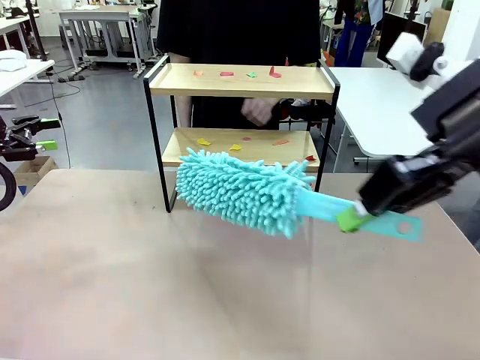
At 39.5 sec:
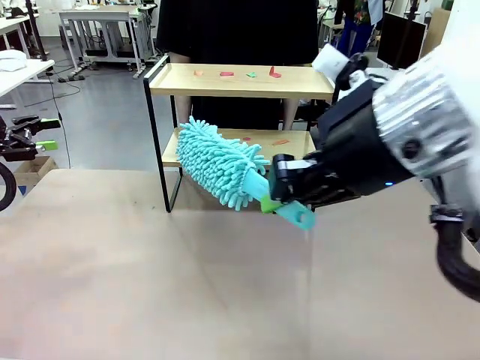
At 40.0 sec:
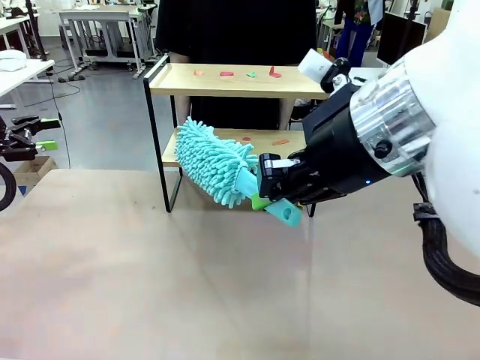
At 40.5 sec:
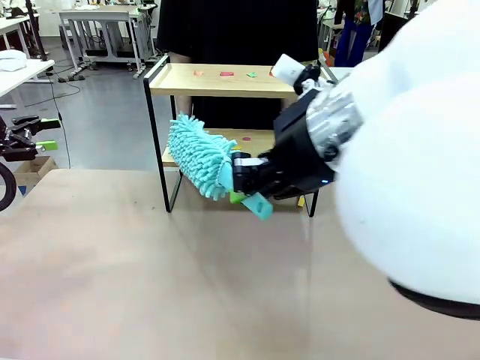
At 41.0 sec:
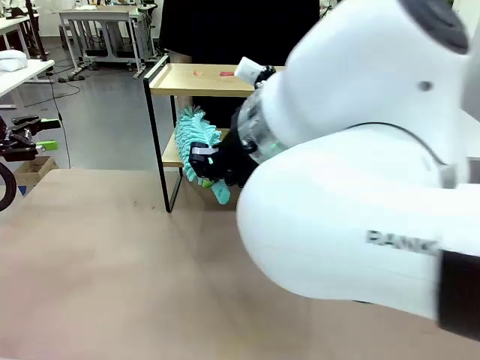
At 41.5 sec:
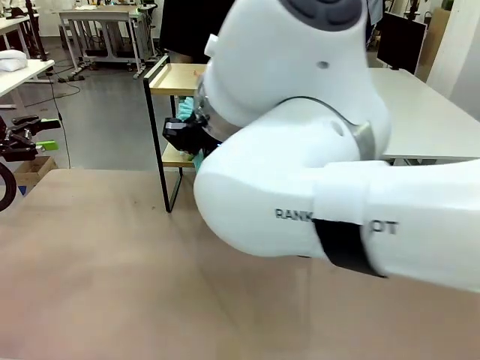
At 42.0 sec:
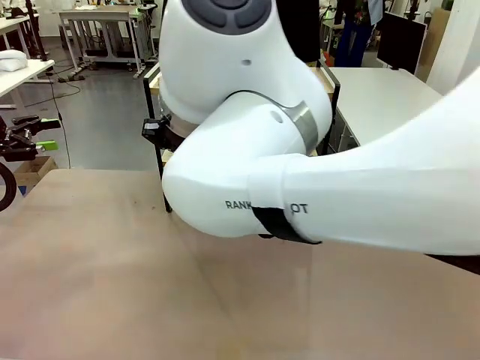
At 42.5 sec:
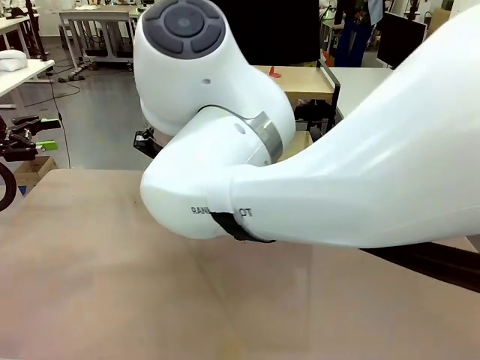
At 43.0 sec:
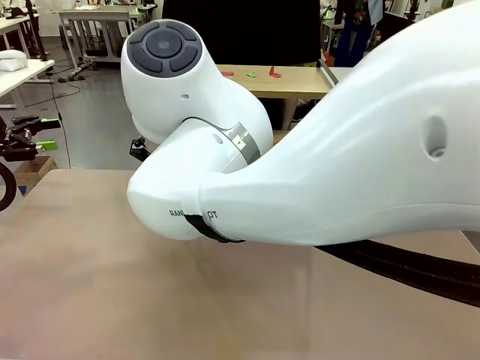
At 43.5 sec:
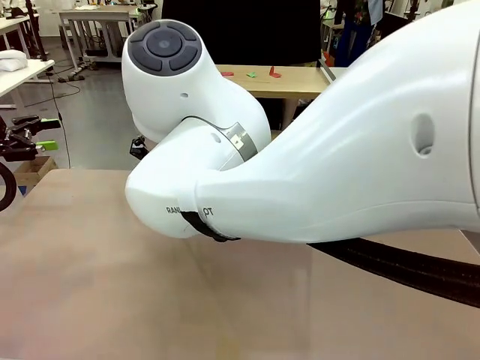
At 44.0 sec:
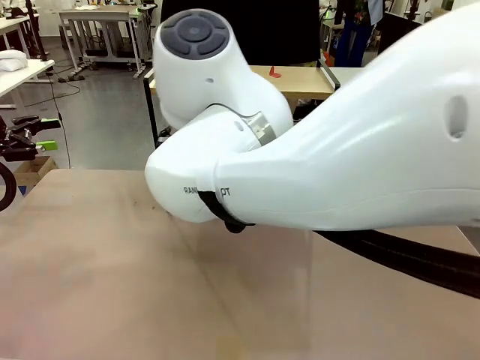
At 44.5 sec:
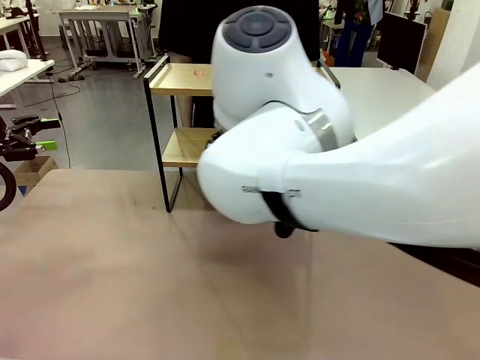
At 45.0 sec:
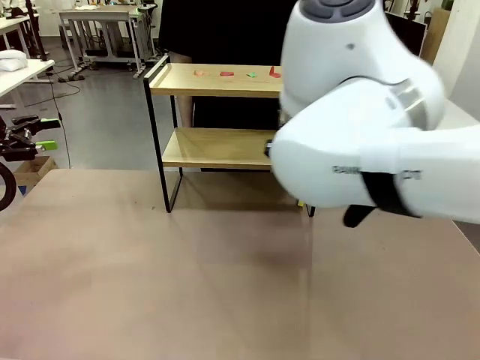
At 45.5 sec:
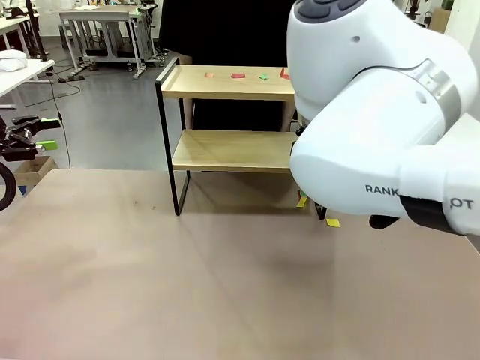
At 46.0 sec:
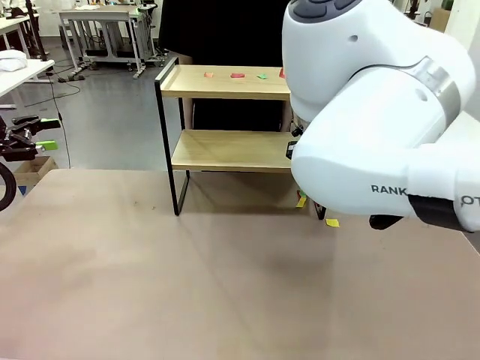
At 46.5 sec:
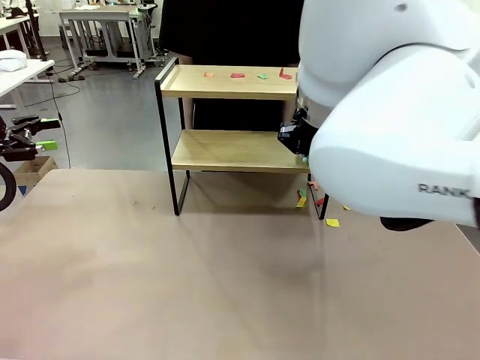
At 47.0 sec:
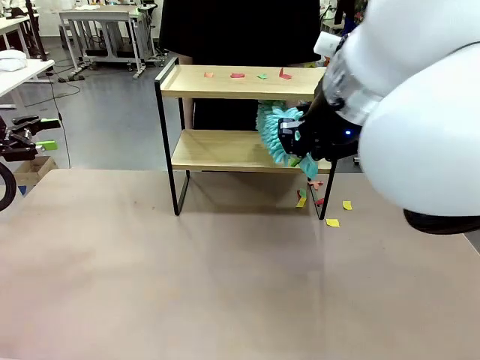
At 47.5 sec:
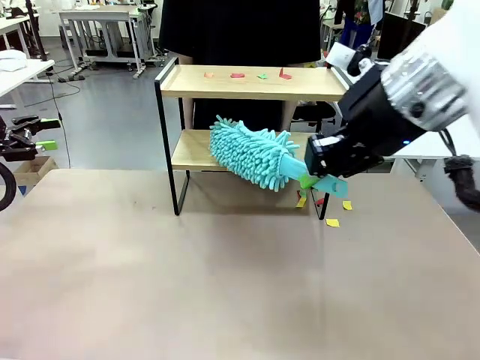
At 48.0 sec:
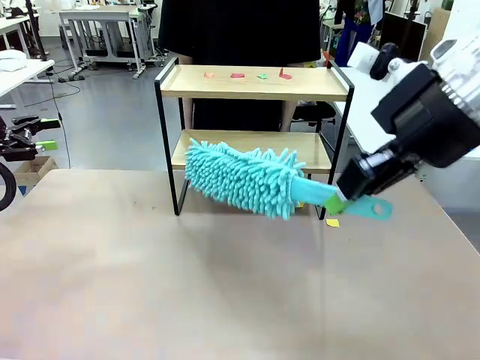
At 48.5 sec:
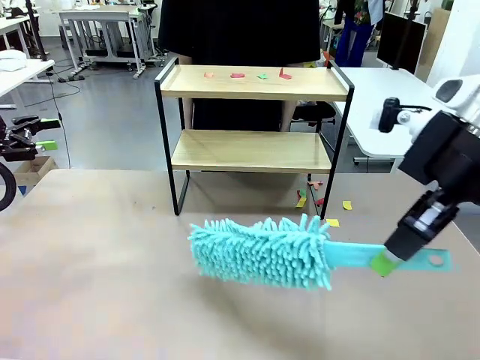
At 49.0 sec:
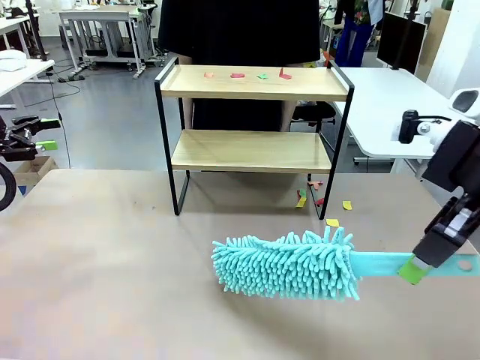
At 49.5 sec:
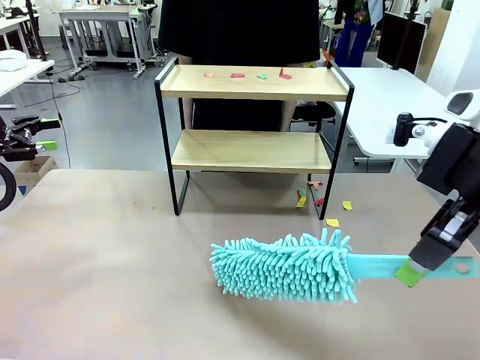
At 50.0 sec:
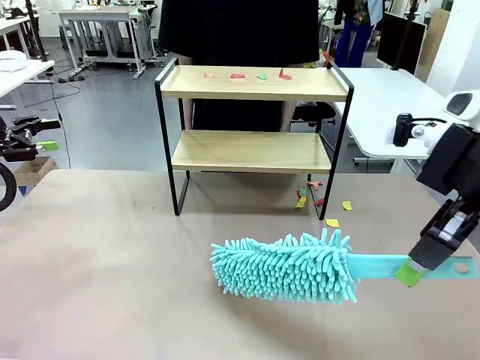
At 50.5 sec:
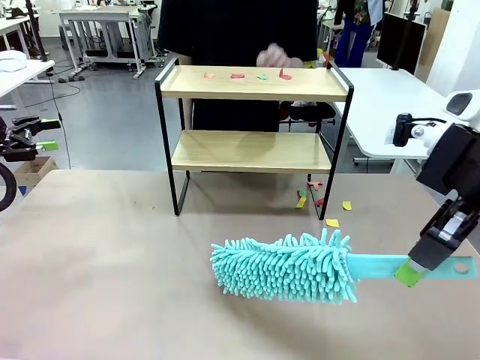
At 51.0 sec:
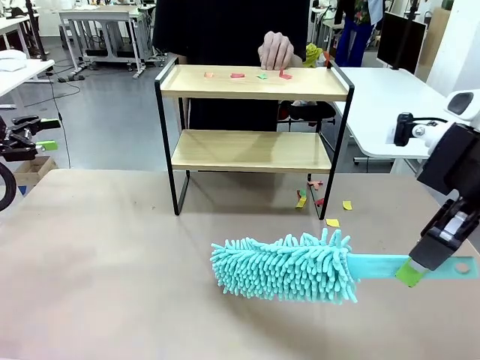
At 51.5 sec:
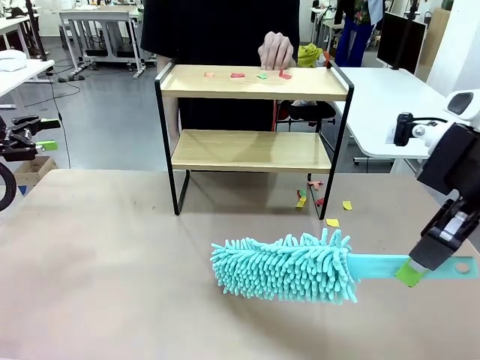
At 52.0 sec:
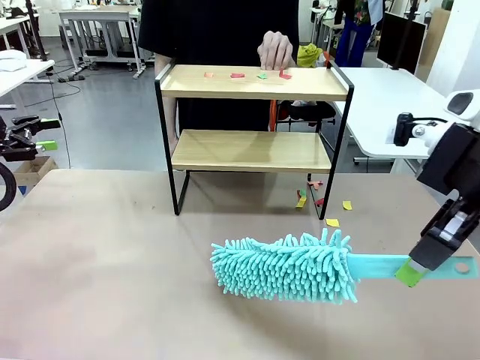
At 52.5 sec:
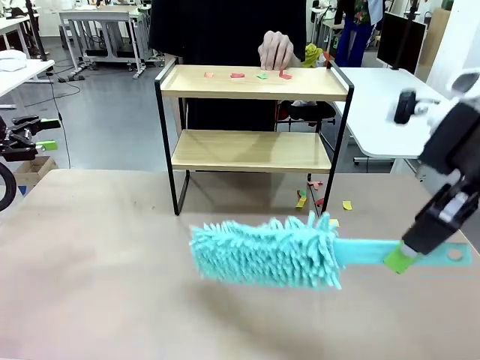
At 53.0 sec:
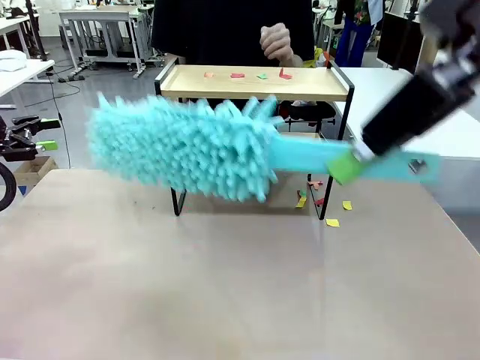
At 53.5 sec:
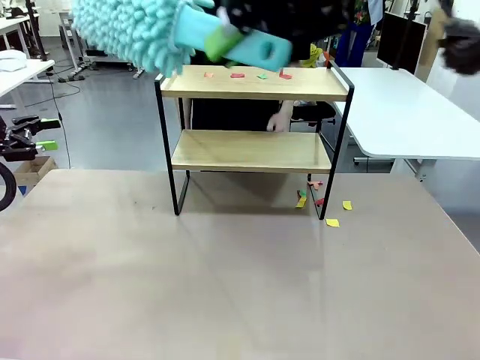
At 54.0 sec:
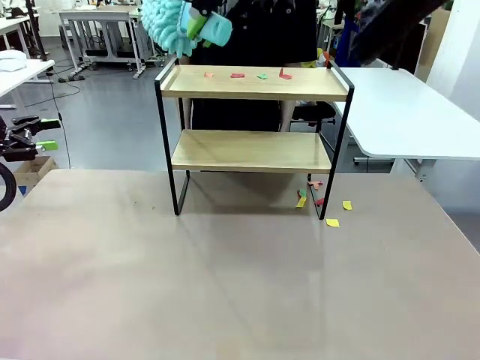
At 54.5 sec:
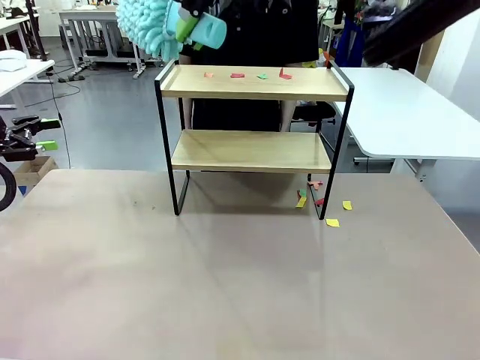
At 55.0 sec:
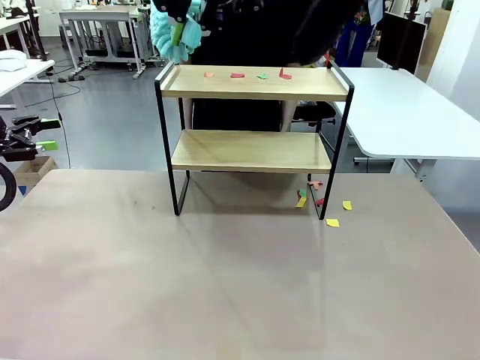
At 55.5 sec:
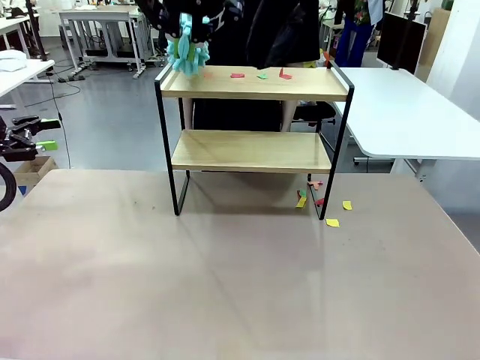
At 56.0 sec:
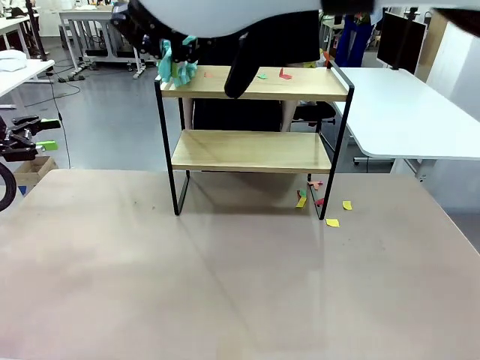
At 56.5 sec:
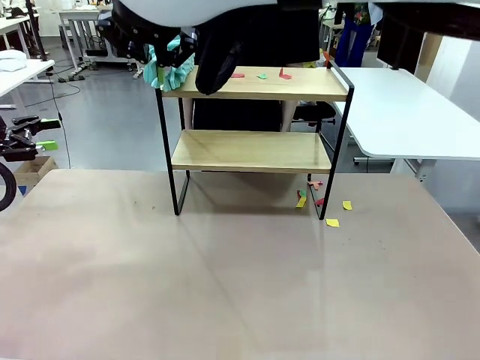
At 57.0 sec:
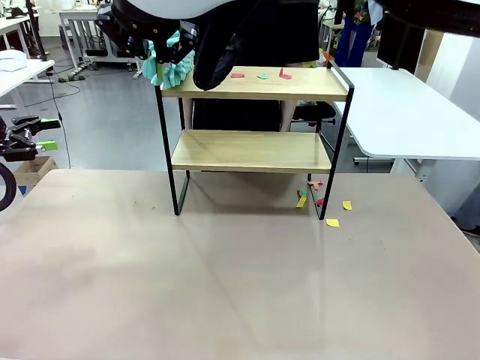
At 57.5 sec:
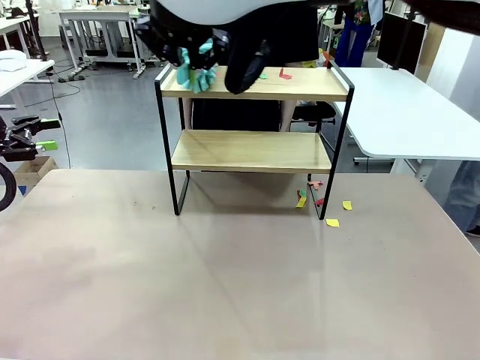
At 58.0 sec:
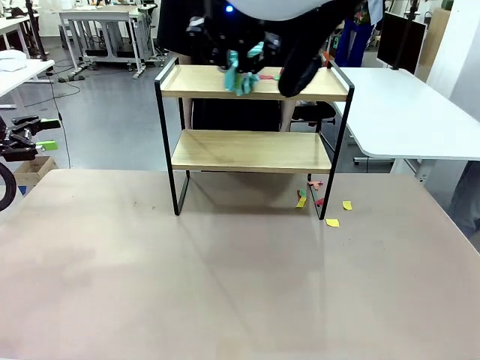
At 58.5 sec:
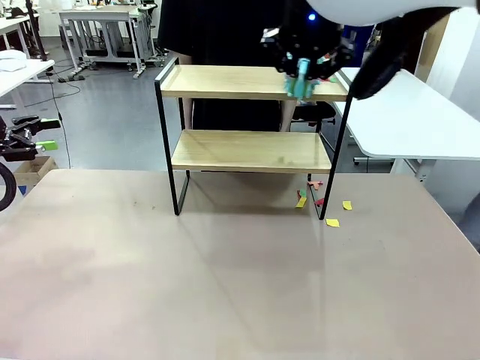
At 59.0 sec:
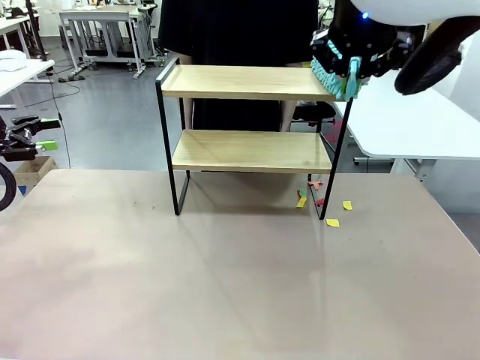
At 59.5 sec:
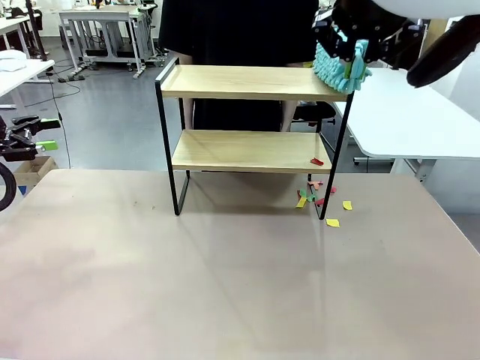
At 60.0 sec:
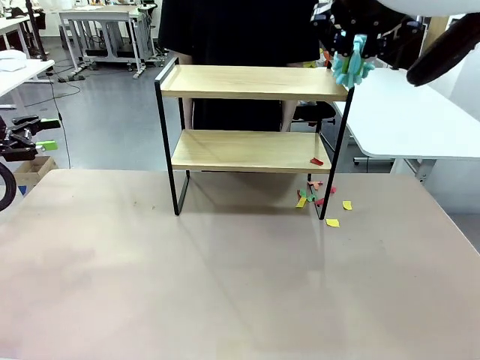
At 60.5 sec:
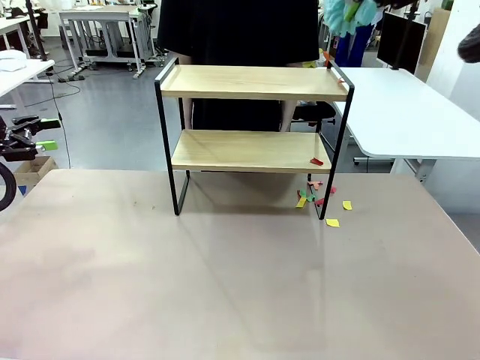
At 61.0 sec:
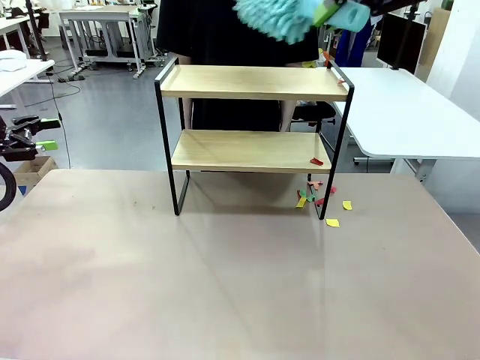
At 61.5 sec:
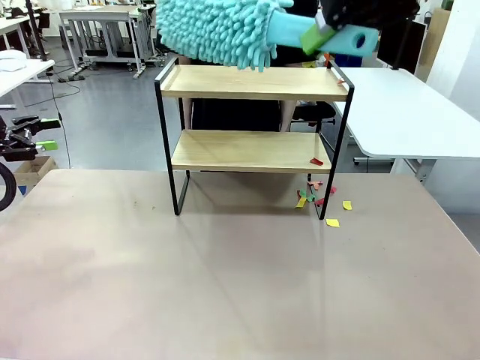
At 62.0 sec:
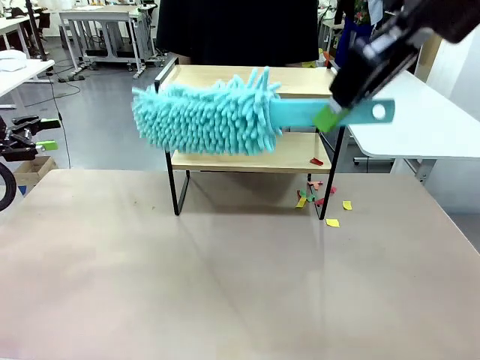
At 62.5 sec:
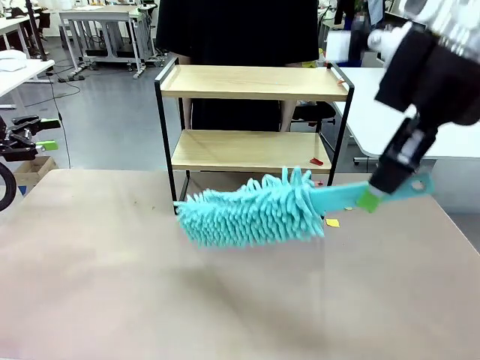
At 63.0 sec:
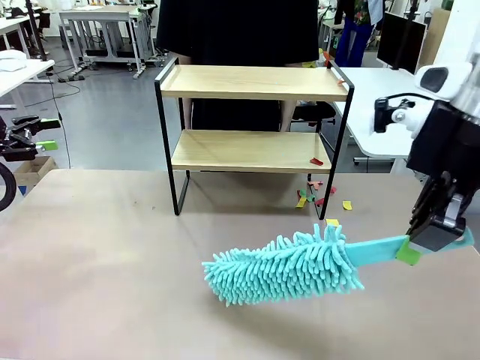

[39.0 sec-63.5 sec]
Task: Clean the shelf.
Robot: Clean the specific section of the Shelf indicated by the human with the Duster.
Person: Point a remaining section of the Shelf.
